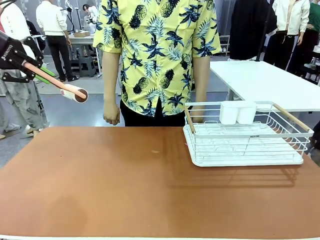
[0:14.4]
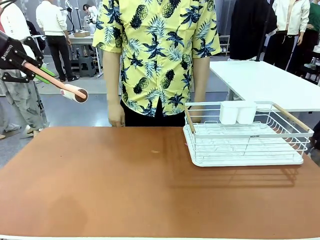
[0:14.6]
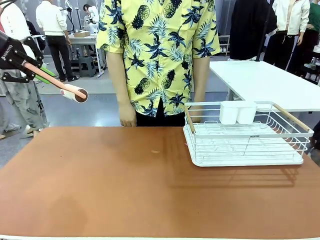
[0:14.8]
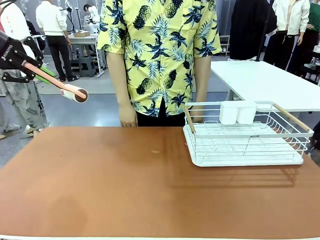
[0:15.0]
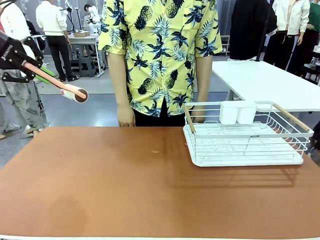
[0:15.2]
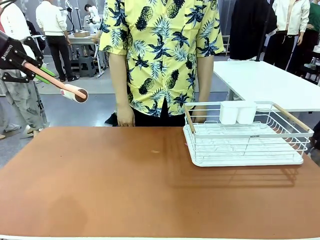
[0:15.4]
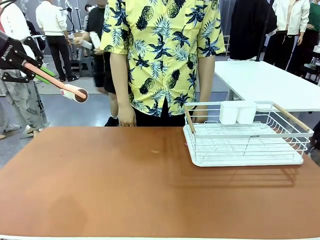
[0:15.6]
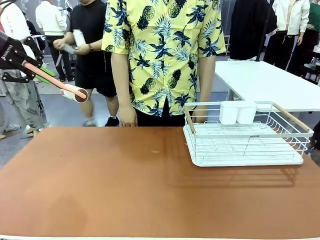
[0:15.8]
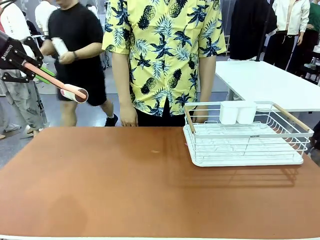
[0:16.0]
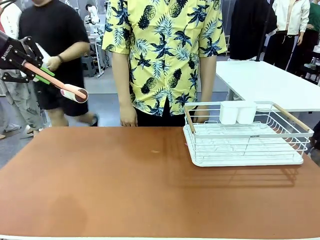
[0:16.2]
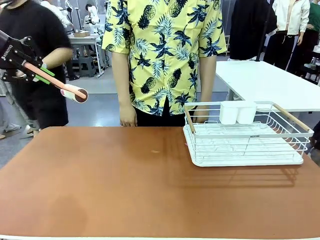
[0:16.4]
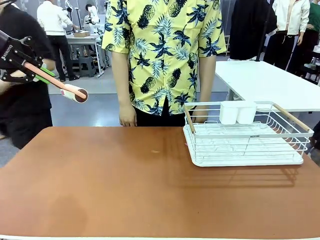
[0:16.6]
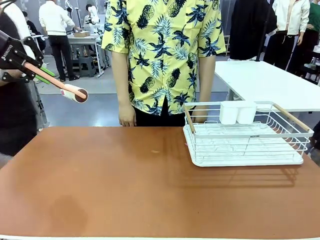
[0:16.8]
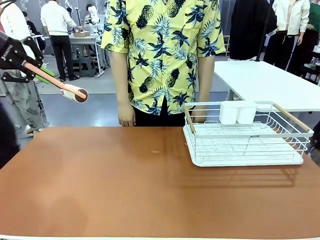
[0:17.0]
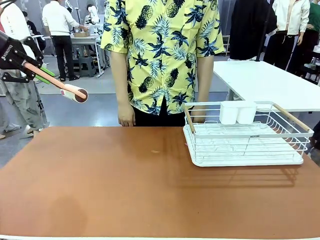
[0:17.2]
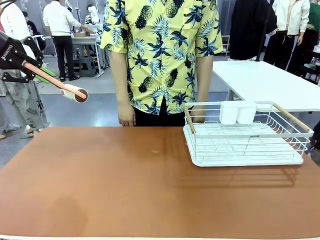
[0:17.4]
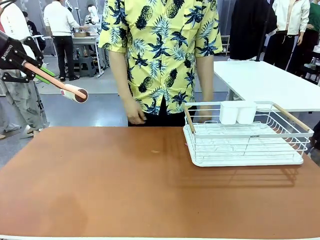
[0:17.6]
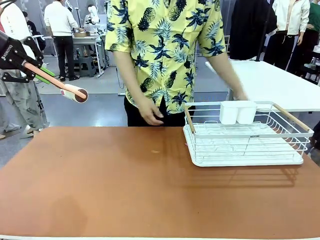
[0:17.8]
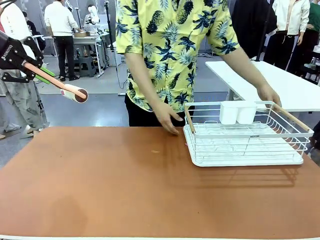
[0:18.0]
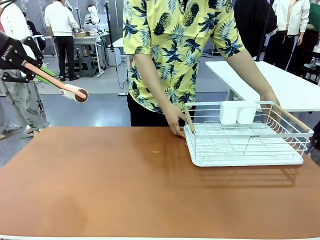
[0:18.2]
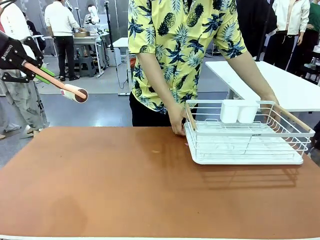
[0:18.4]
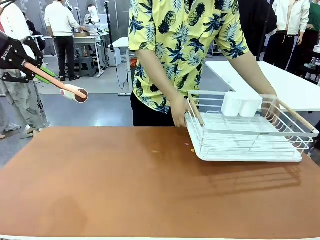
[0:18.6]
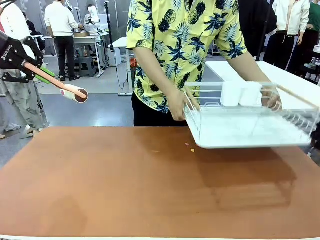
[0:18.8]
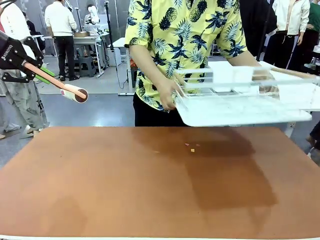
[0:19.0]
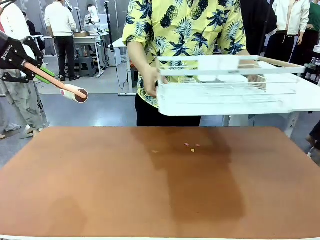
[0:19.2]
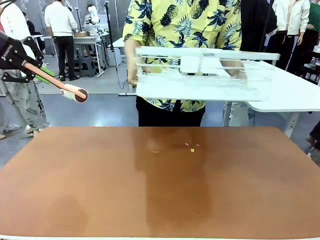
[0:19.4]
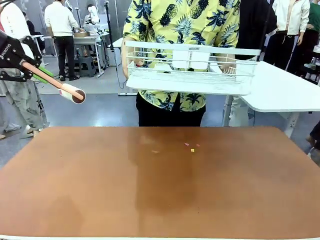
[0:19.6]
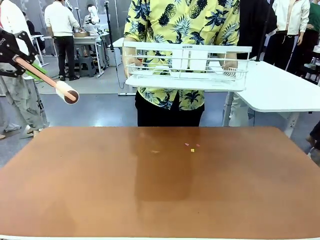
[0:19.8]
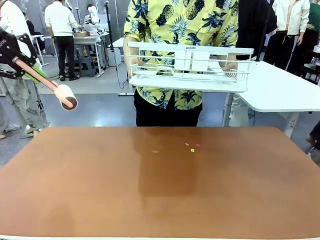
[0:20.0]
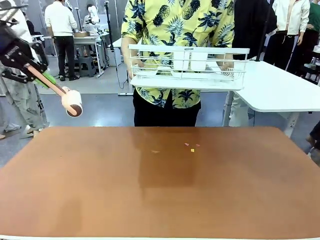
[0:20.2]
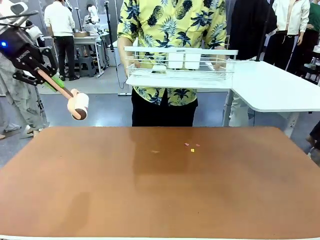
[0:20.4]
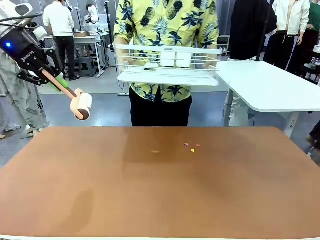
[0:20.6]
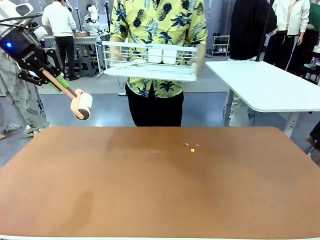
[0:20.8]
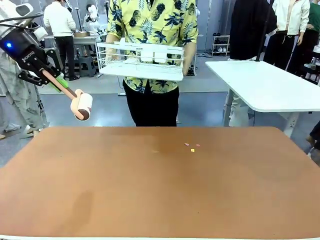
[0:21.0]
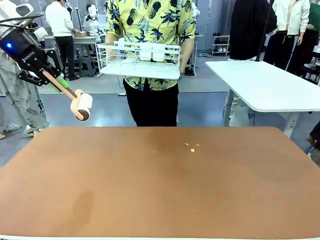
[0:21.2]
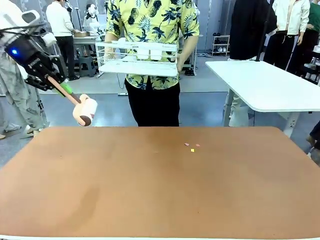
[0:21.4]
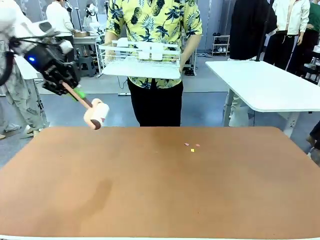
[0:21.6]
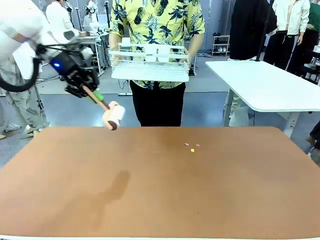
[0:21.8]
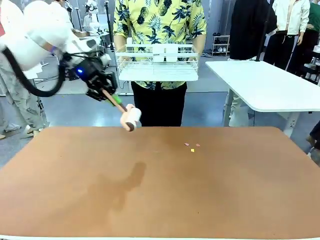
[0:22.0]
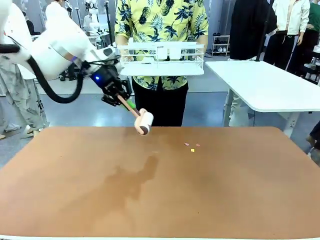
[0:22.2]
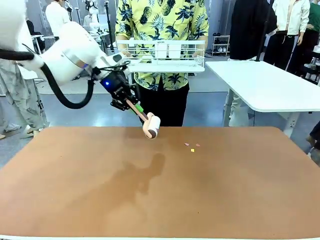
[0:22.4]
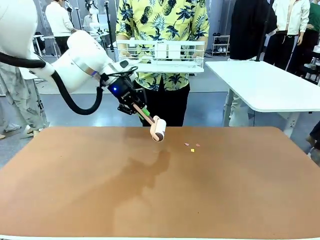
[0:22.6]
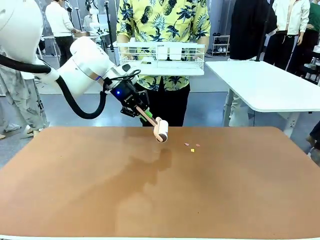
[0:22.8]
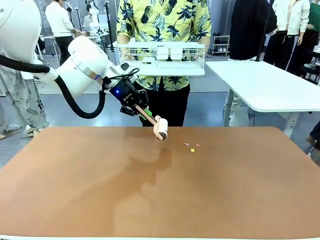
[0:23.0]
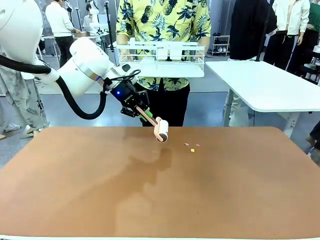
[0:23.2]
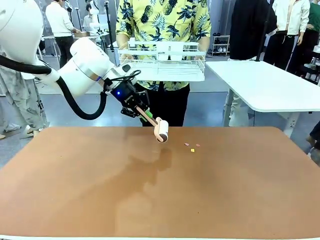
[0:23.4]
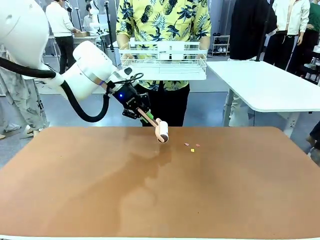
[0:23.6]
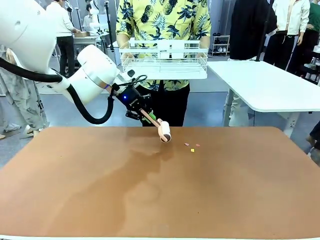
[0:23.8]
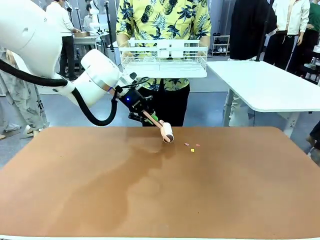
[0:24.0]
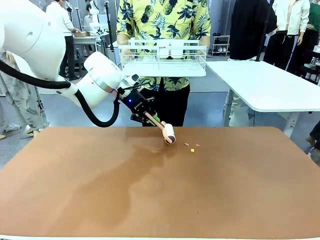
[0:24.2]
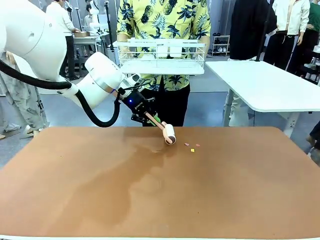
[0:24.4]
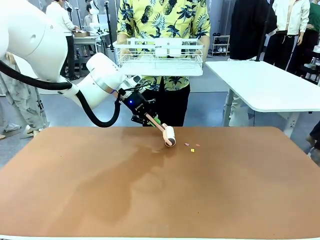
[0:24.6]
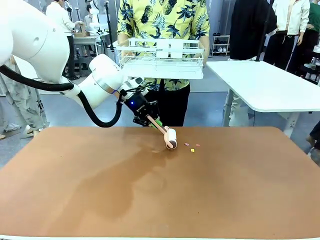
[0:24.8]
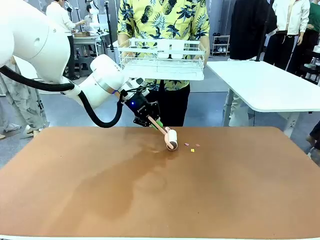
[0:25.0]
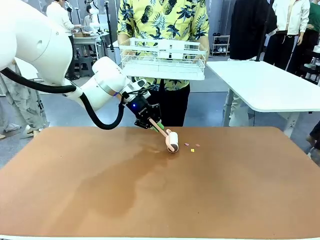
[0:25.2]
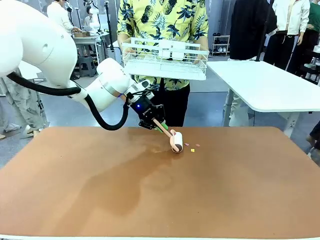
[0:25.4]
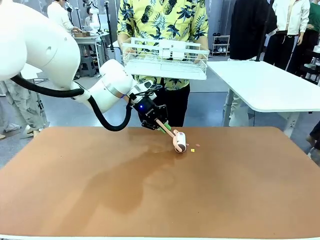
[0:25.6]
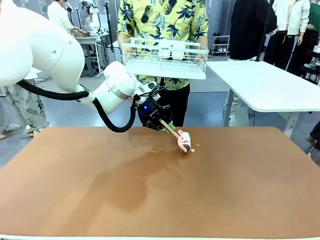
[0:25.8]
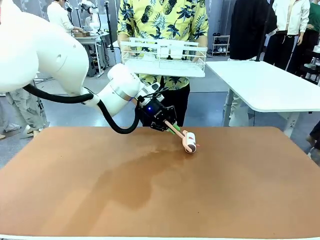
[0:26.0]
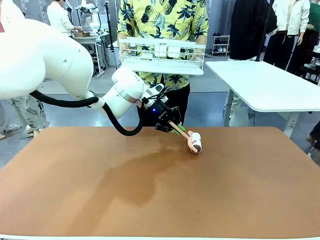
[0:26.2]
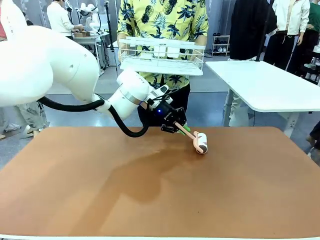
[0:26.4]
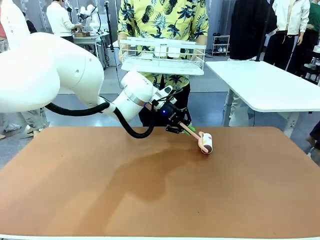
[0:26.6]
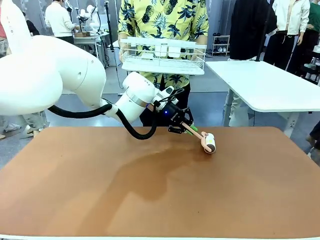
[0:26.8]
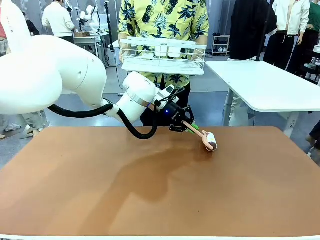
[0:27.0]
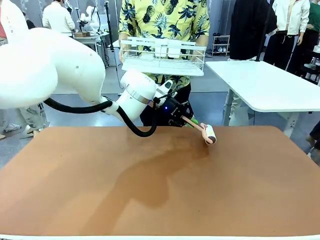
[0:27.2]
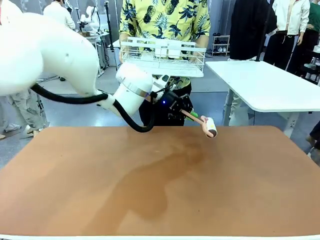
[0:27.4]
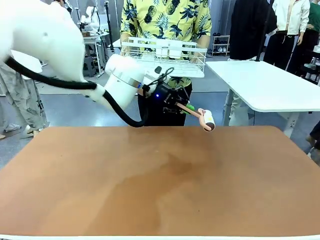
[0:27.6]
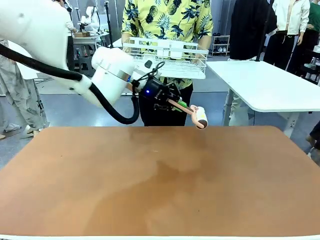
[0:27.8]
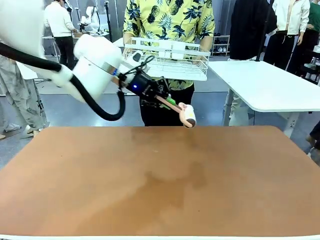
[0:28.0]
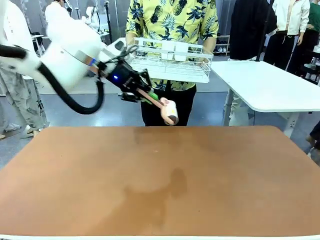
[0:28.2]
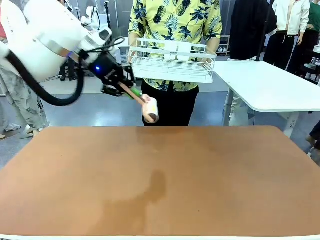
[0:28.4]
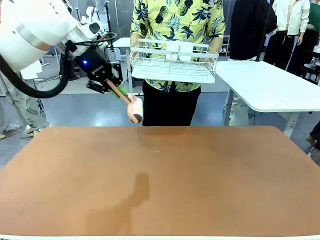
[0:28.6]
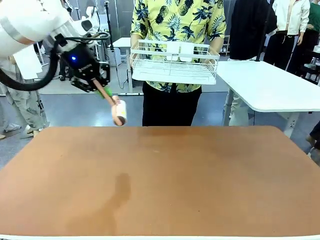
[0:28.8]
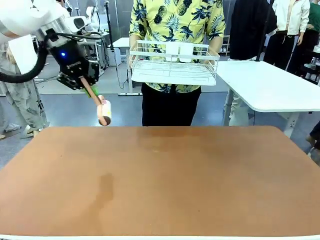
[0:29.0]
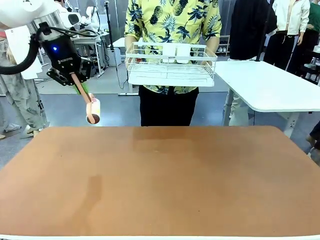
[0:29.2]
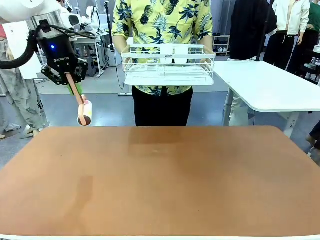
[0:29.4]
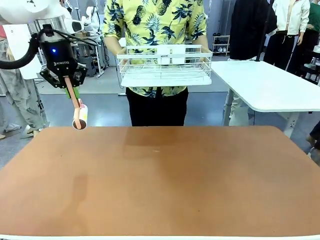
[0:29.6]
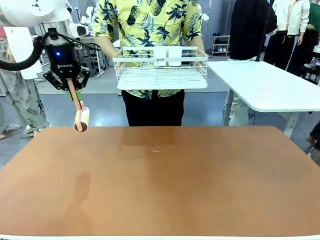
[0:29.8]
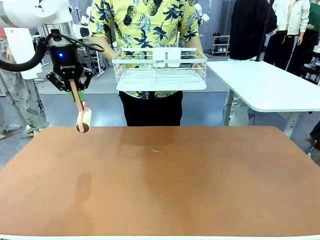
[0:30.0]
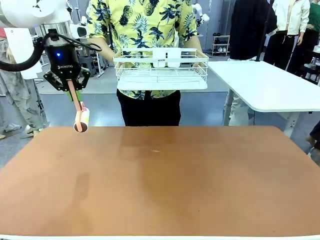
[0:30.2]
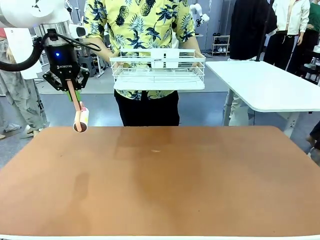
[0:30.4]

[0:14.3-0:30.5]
Task: Clean the table.
Robot: Clean the table with the Lint Roller when the human lifts the Dish drying rack.
Person: Place the Dish drying rack down when the robot finishes cleaning.
